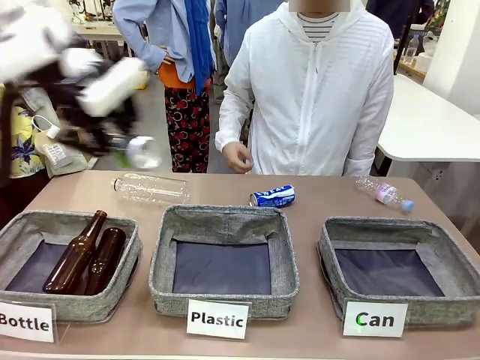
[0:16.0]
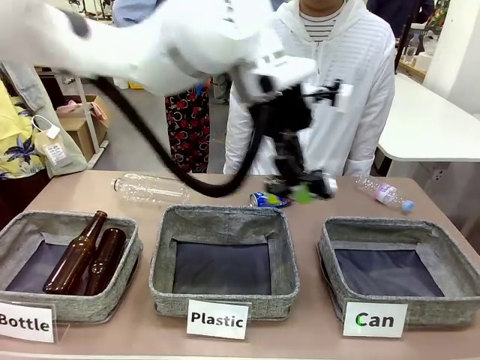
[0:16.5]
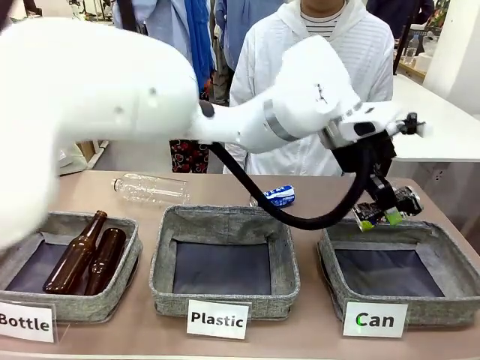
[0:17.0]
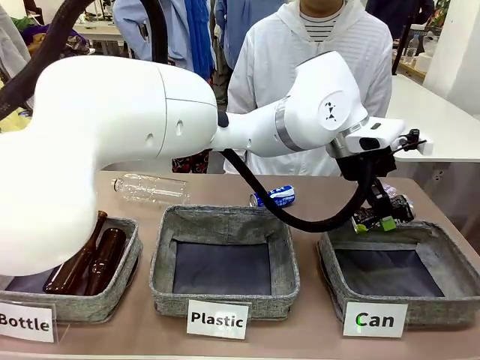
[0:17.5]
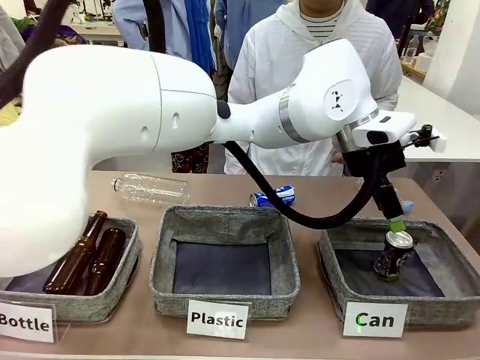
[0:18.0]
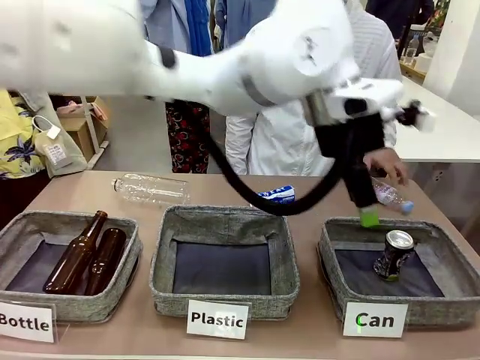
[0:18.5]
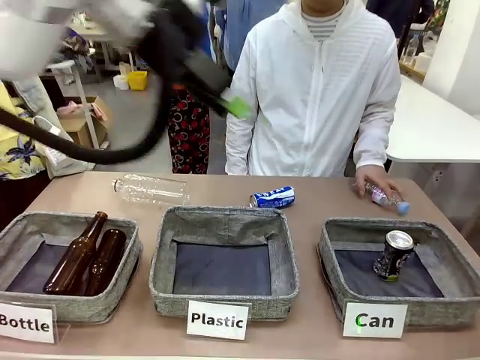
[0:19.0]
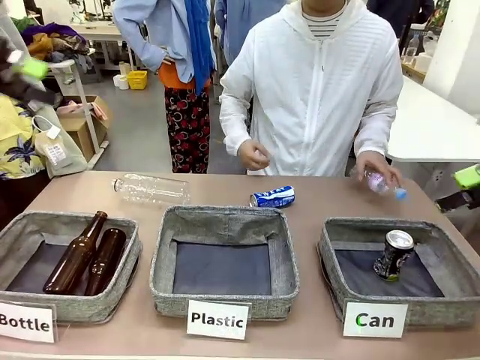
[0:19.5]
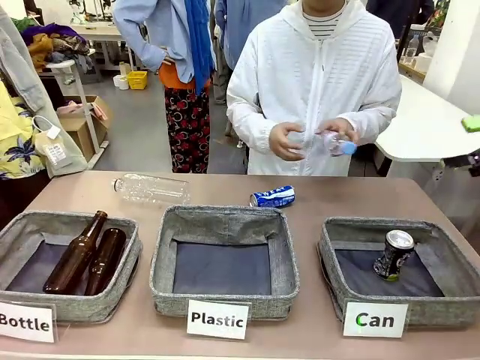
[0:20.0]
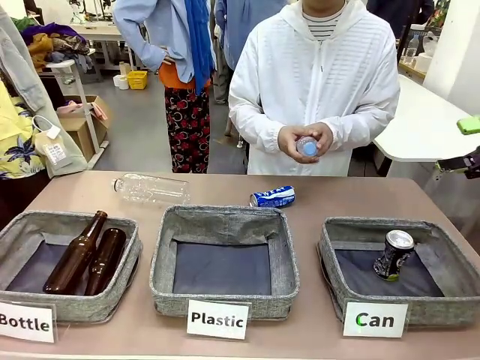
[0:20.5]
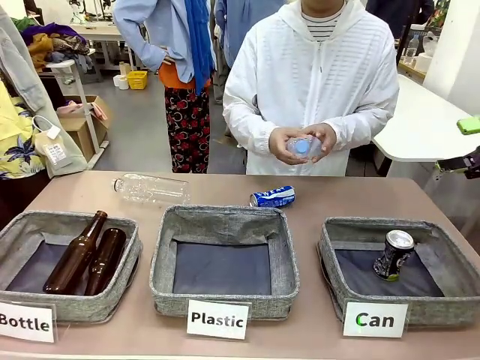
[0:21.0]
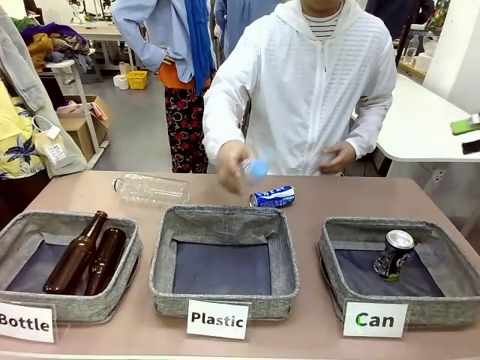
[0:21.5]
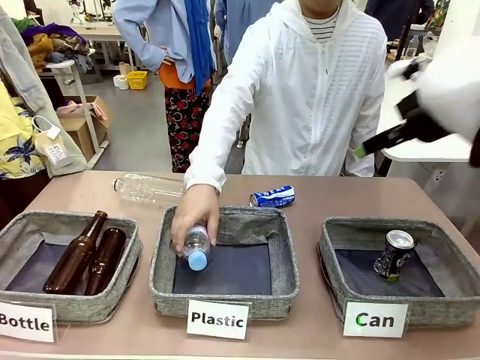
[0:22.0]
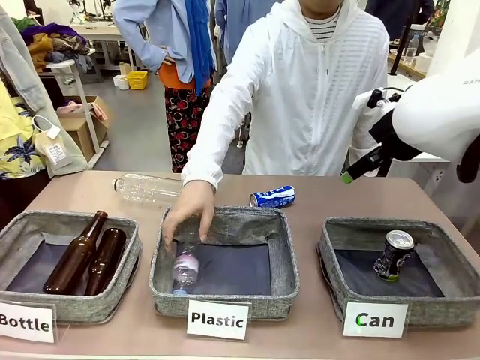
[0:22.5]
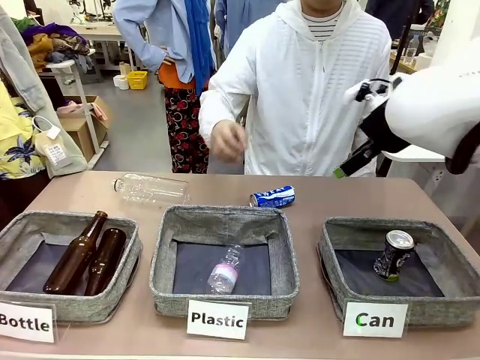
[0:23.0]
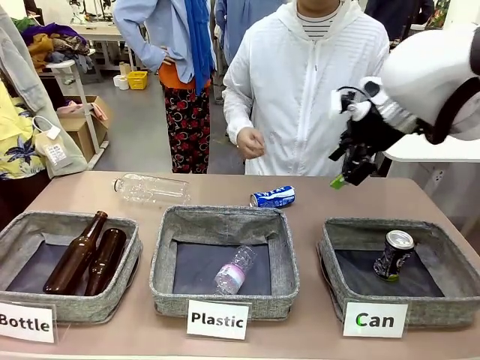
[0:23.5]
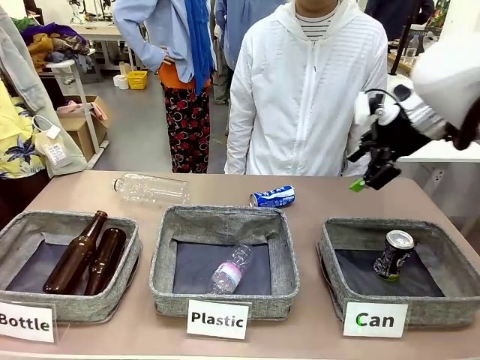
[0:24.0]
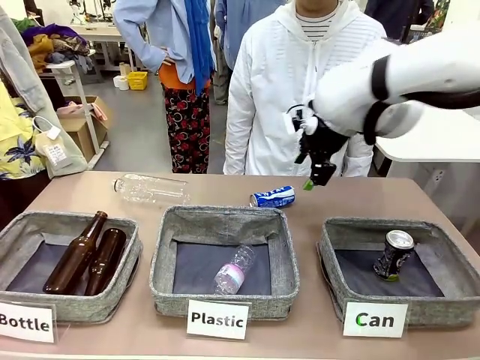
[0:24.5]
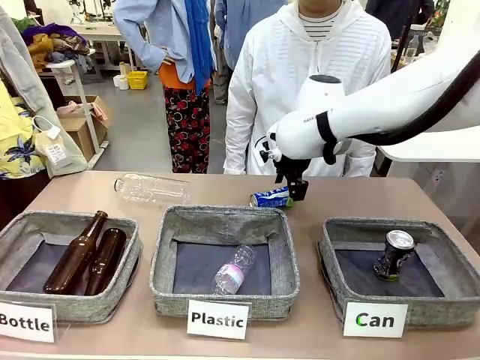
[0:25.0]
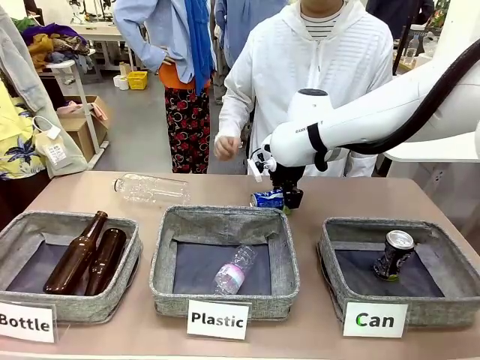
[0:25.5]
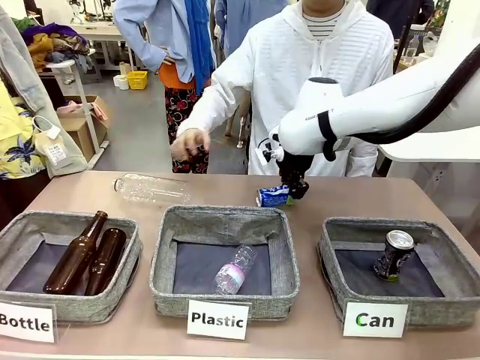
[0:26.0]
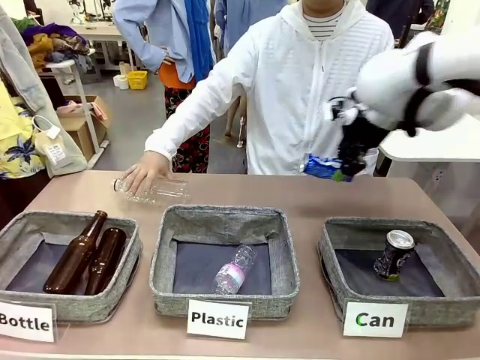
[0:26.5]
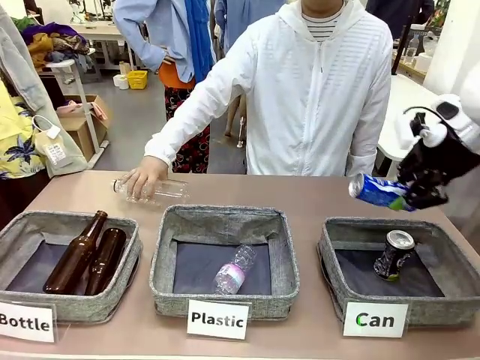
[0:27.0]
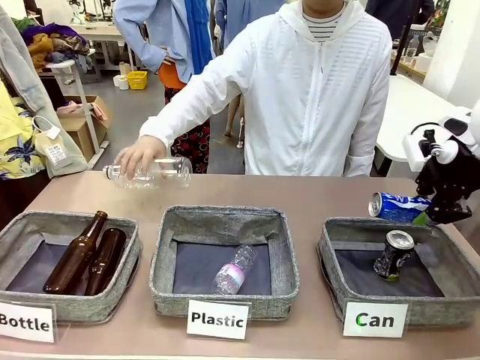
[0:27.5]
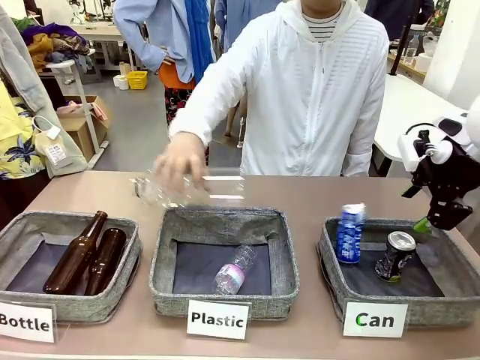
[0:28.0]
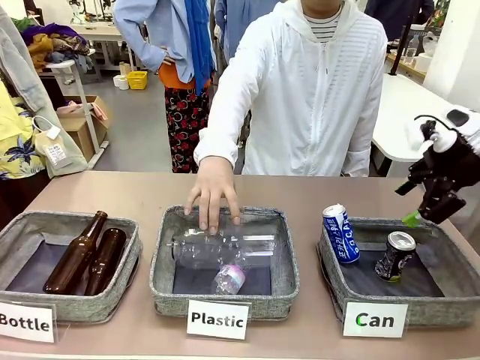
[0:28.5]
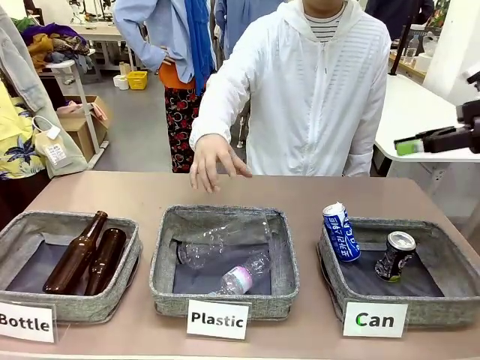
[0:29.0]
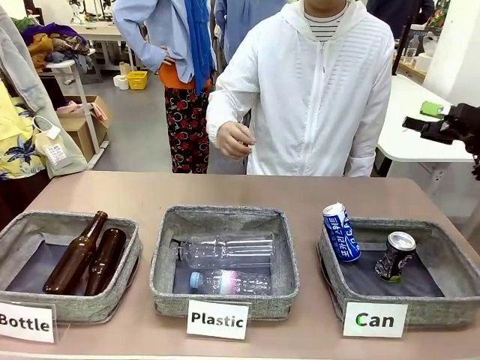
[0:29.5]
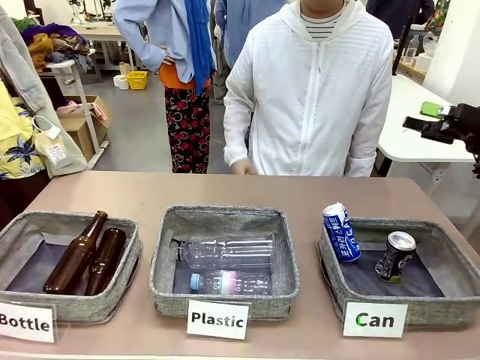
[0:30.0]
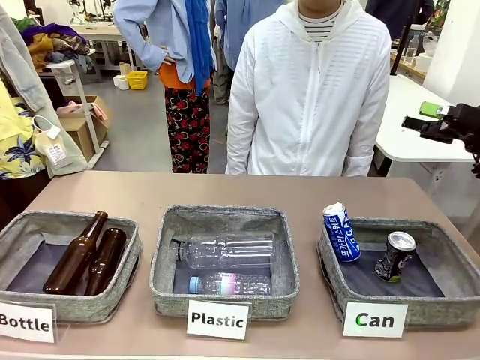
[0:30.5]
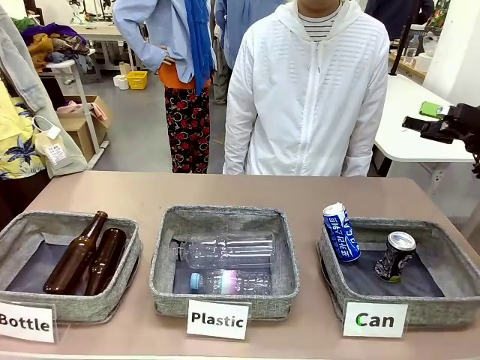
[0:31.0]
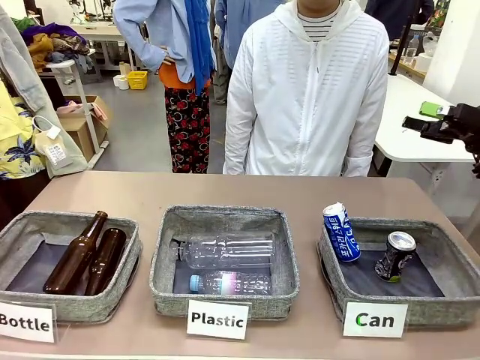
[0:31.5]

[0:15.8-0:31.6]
Task: Sort the can waste into the basket.
Robot: Pick up the can waste from the table and place it in the right Fabric basket.

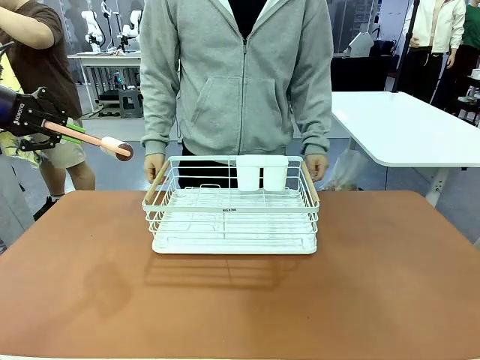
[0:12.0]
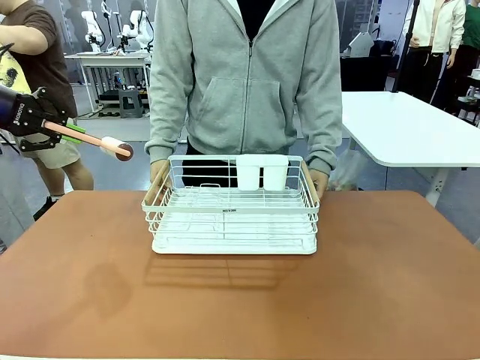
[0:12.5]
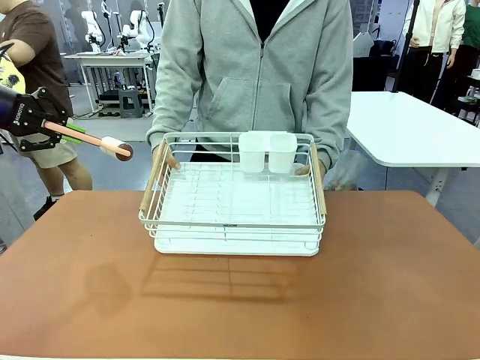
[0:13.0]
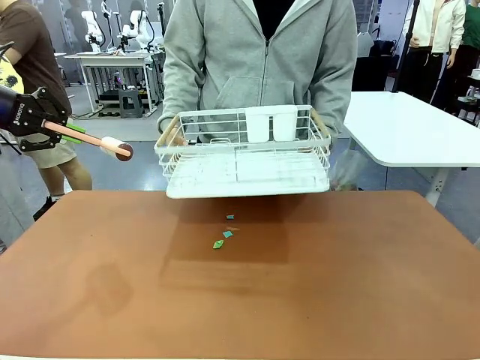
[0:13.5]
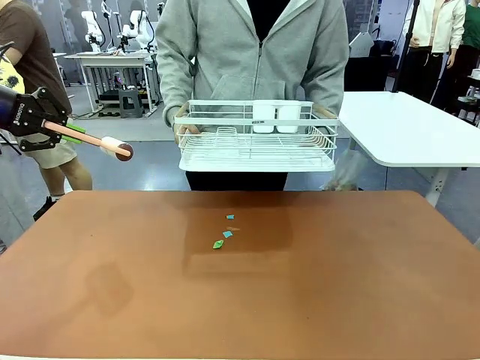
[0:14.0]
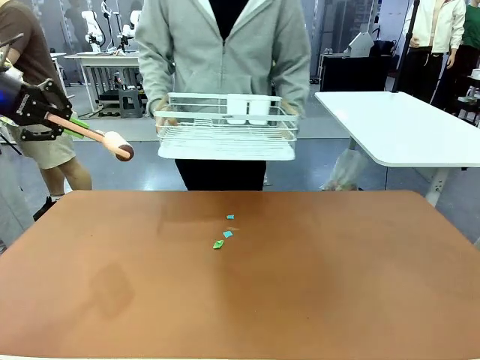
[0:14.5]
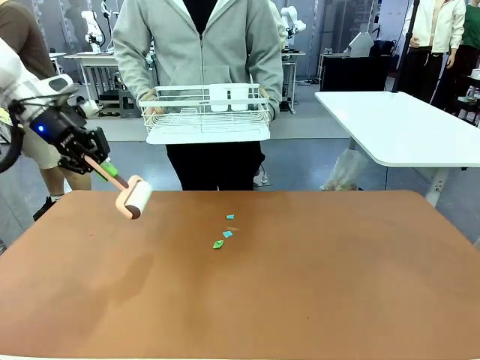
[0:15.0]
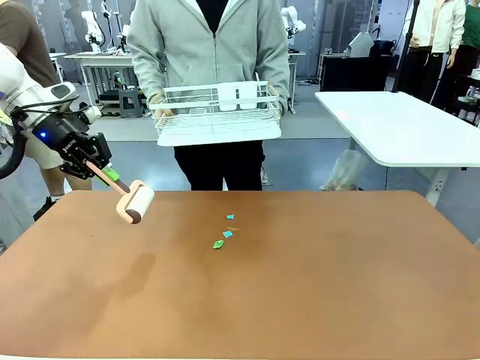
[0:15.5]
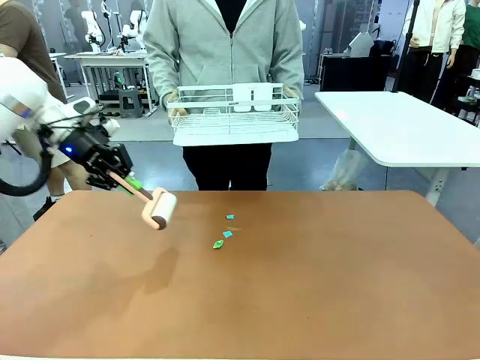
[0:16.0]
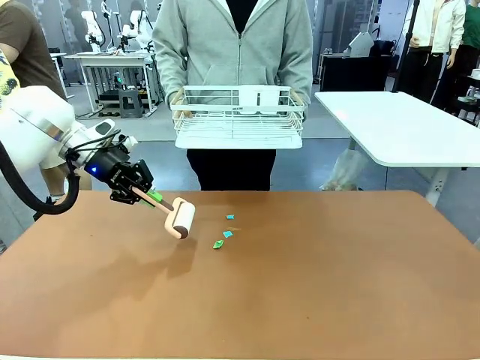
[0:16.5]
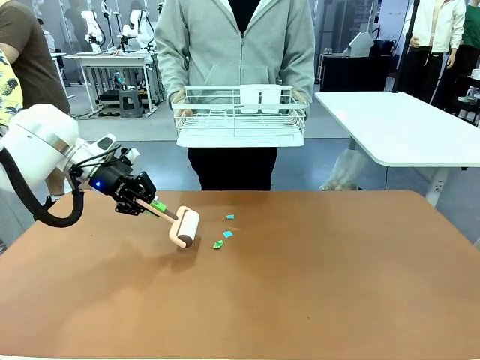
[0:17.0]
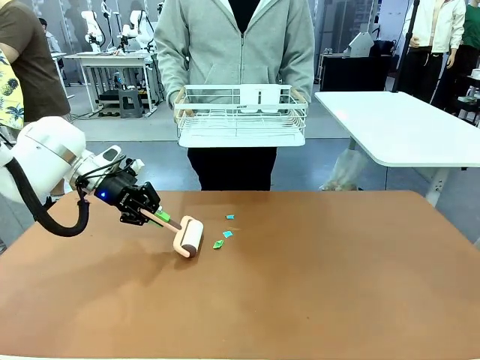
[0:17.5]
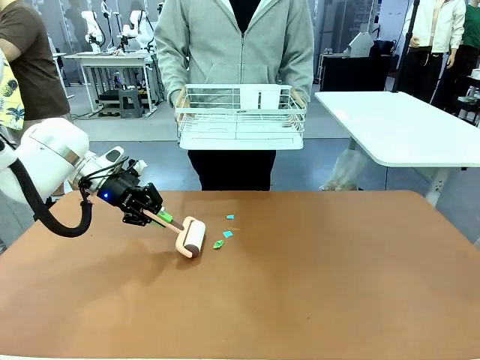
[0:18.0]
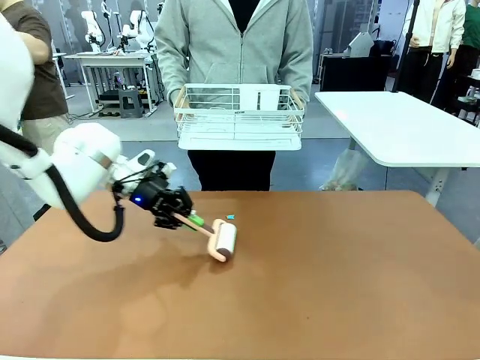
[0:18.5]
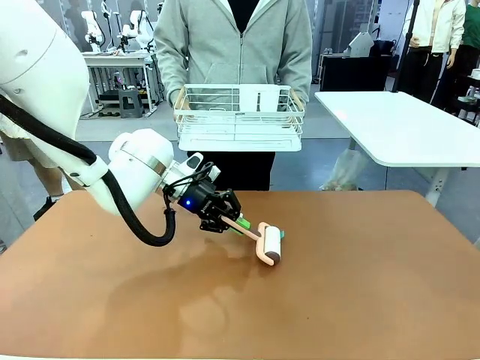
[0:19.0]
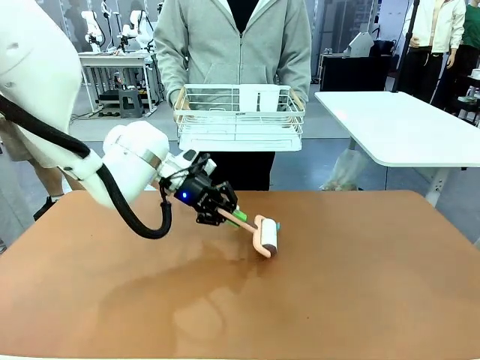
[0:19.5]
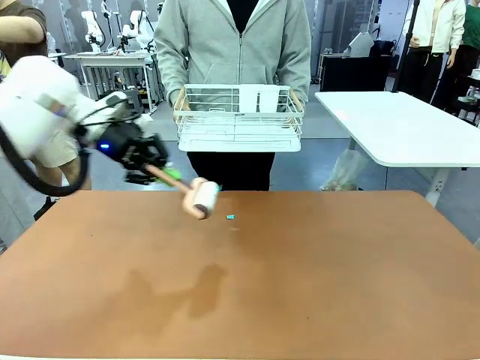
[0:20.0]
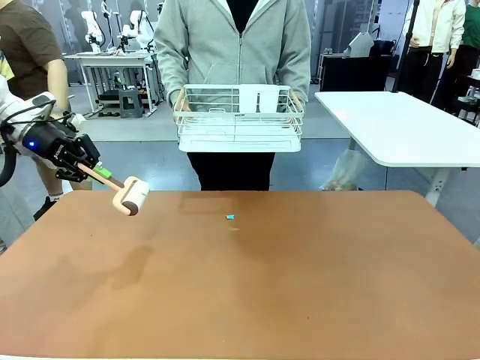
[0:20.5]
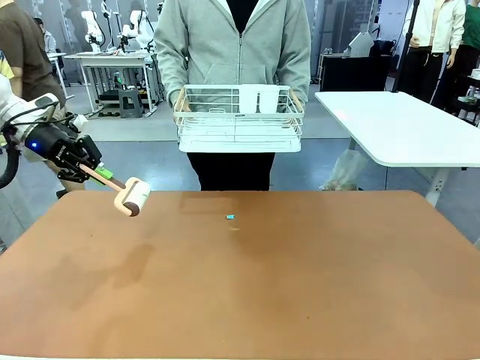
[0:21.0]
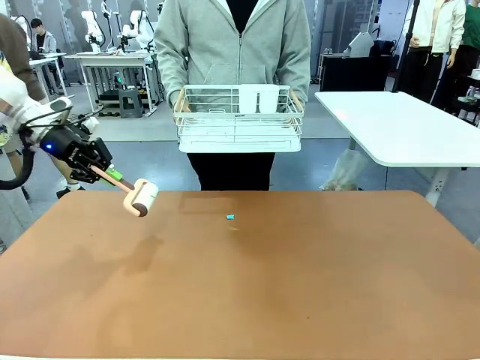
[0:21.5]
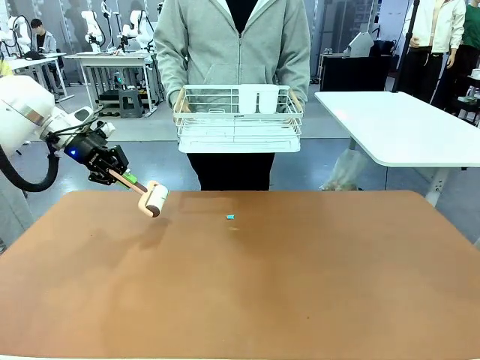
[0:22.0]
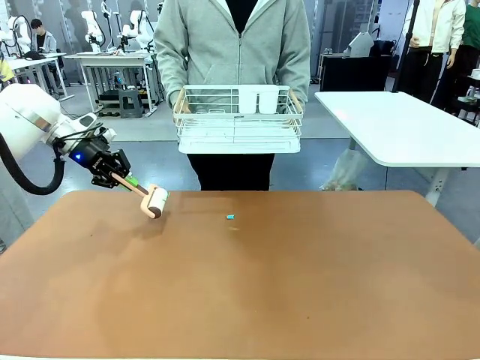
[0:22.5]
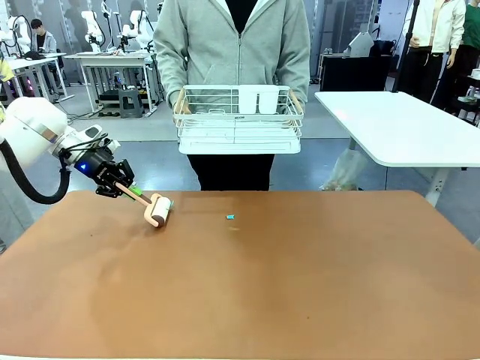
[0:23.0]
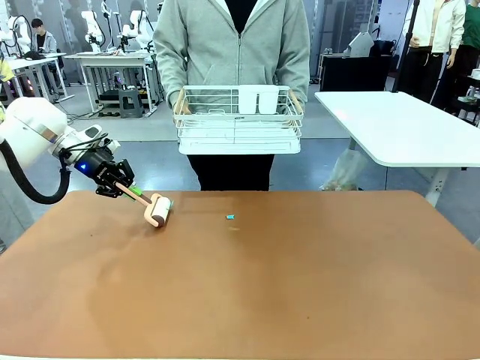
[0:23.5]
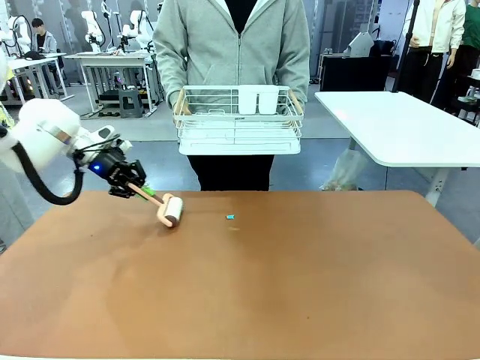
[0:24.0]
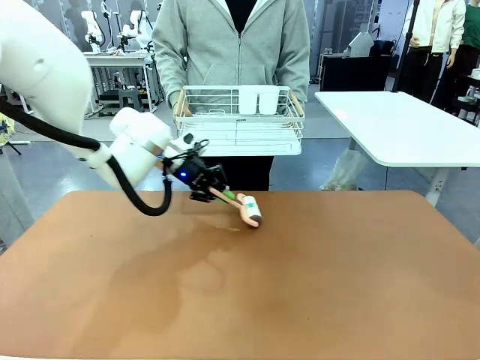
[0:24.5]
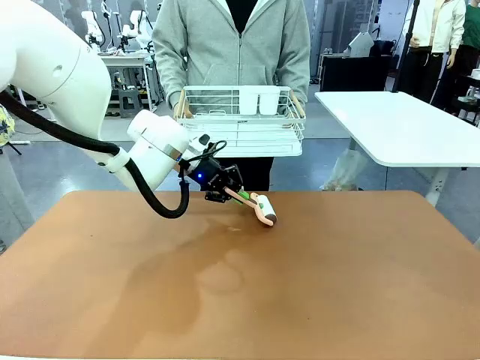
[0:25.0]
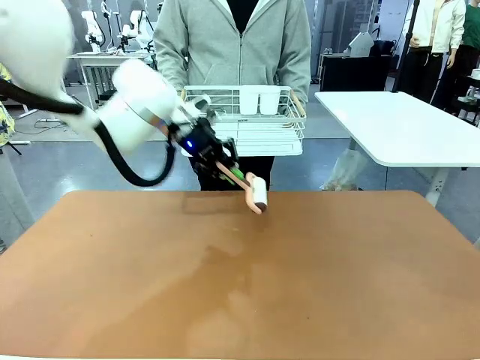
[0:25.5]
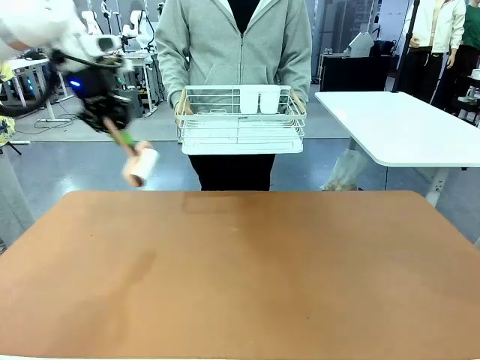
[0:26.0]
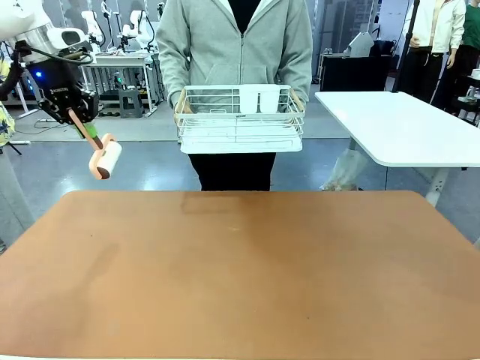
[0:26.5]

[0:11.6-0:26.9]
Task: Clean the table.
Robot: Clean the table with the Lint Roller when the human lifts the Dish drying rack.
Person: Place the Dish drying rack down when the robot finishes cleaning.
